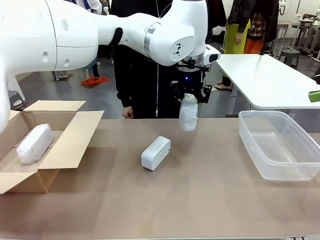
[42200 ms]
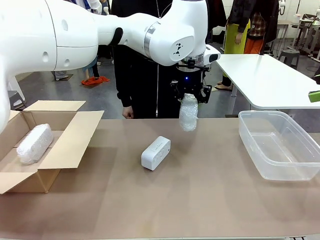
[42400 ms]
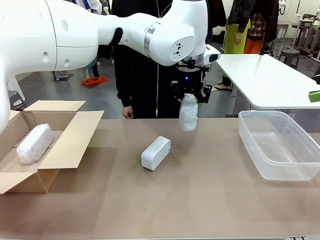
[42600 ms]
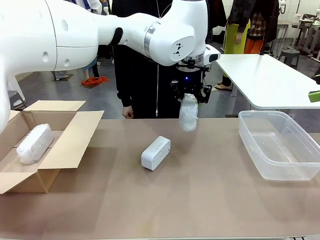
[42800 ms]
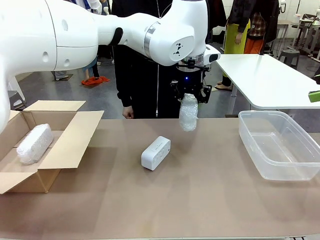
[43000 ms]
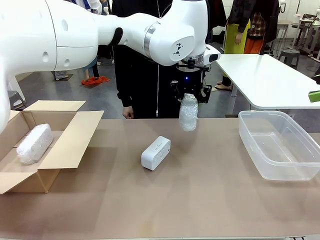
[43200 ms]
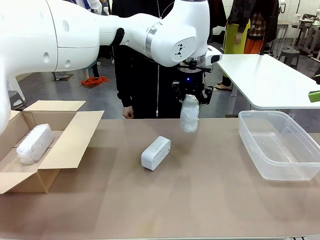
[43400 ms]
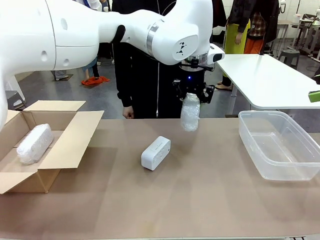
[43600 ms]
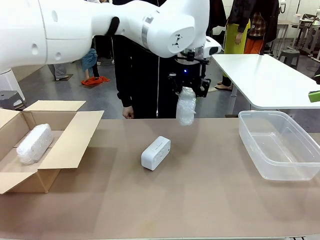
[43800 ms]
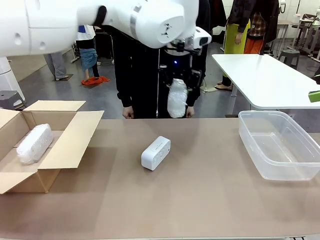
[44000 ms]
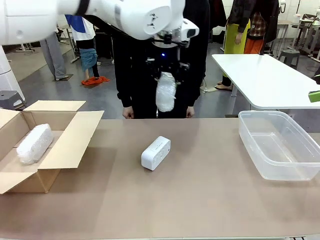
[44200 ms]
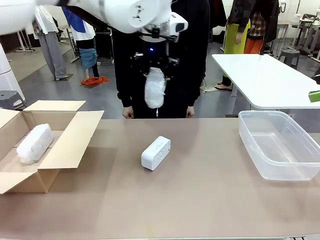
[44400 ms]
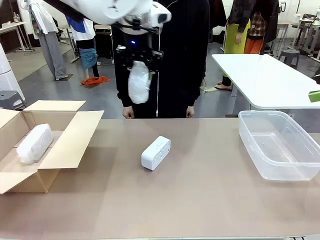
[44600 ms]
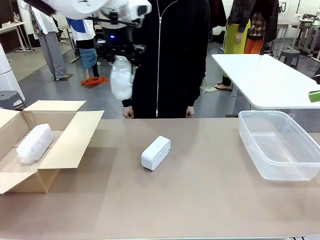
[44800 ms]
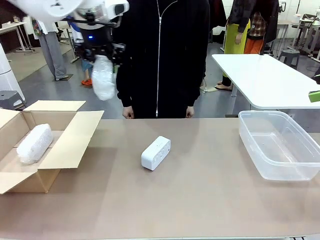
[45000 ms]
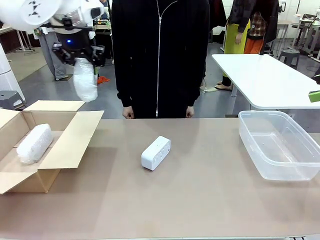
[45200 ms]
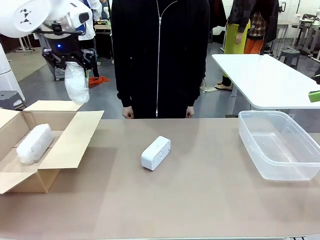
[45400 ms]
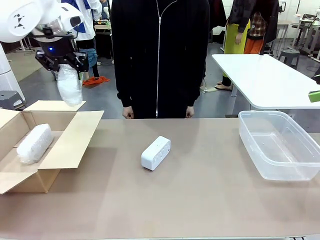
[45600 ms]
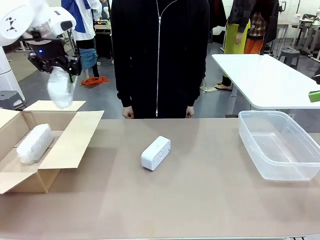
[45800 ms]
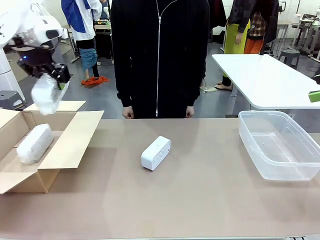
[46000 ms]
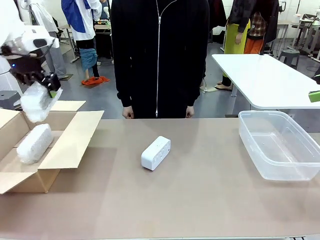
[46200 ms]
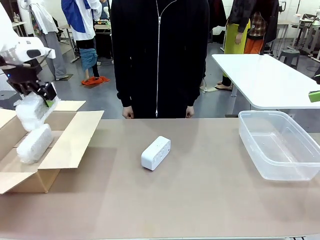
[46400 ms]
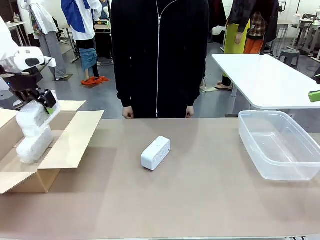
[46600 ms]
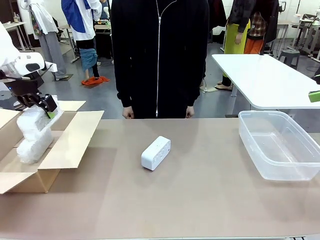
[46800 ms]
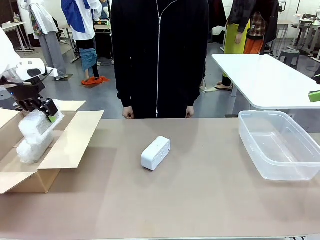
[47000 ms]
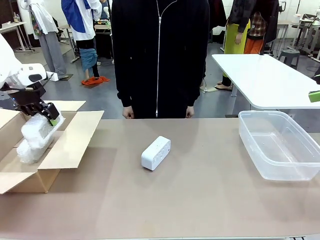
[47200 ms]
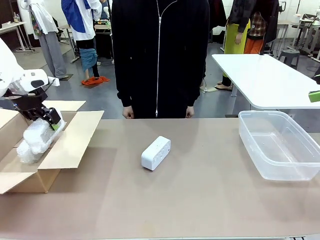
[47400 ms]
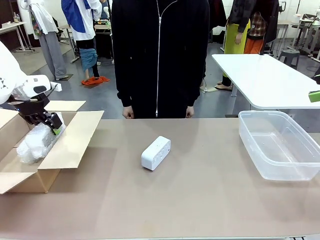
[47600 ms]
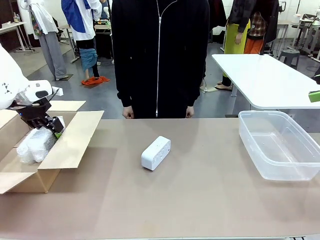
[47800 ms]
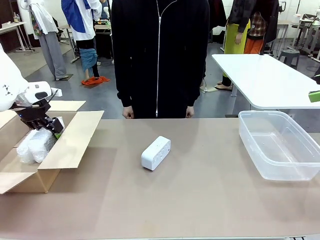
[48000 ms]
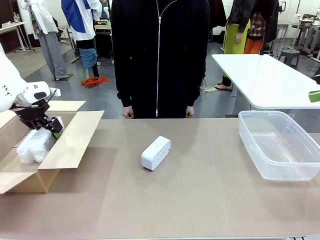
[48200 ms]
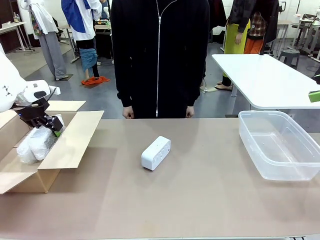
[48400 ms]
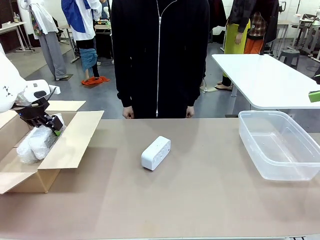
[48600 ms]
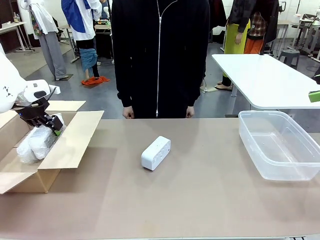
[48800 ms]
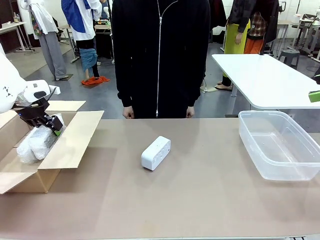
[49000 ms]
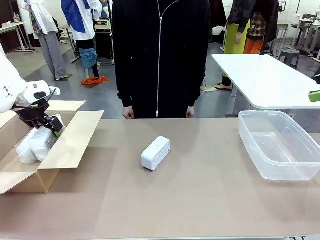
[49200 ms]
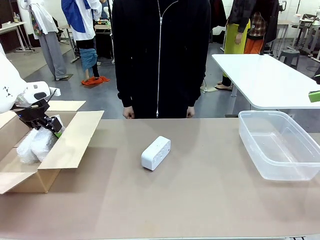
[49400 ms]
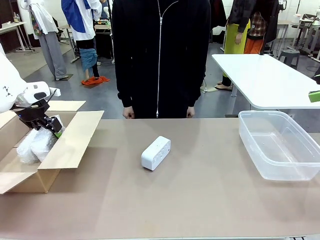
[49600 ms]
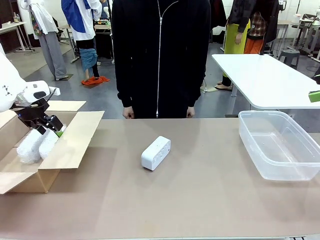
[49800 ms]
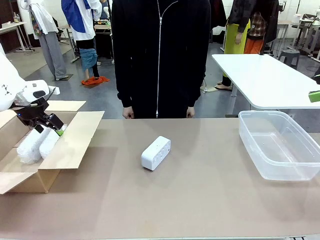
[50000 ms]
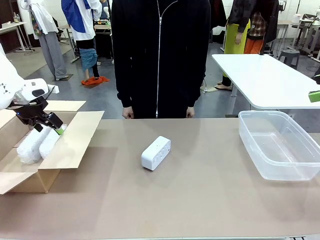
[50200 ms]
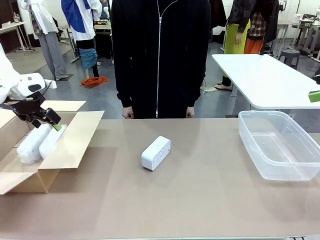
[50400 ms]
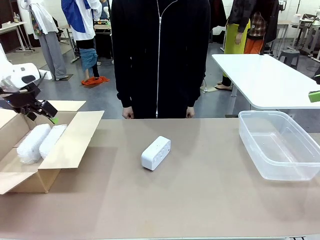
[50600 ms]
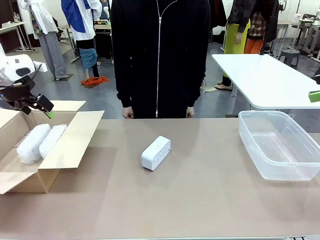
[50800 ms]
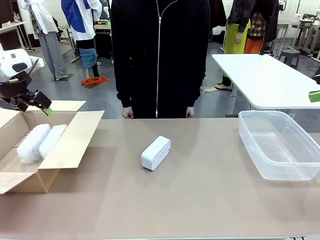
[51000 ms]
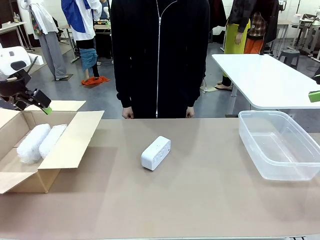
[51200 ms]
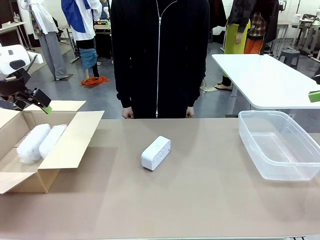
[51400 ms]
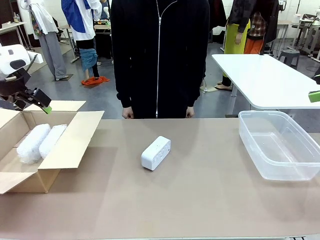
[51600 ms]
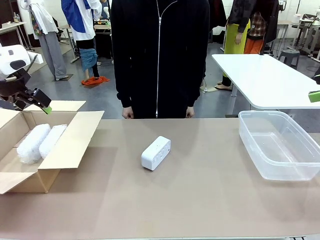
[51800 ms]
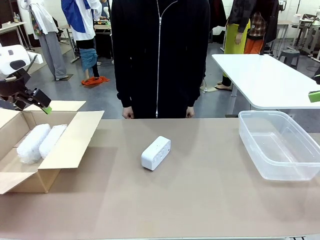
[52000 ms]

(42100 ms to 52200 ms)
Task: Separate and place wrapped and unwrapped clocks.
Robot: If the picked Digital clock is wrapped, place it in the Package Box ; if not, place it in the Organizing box.

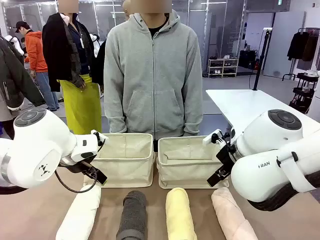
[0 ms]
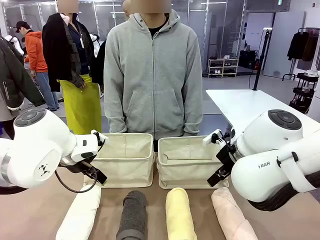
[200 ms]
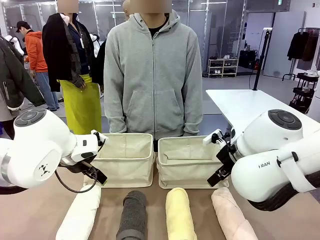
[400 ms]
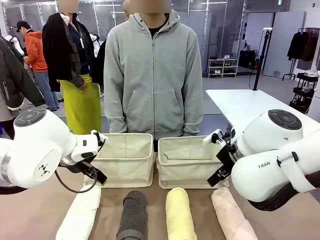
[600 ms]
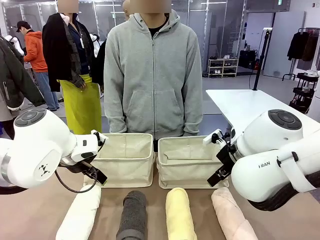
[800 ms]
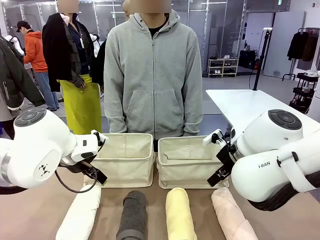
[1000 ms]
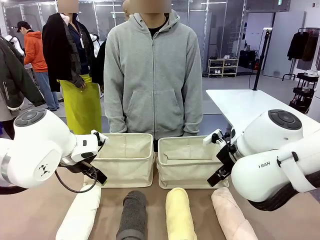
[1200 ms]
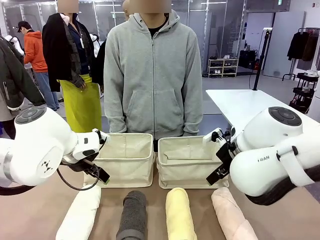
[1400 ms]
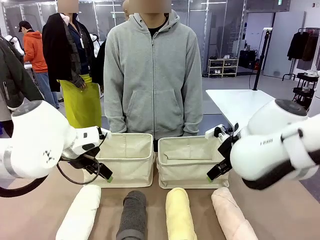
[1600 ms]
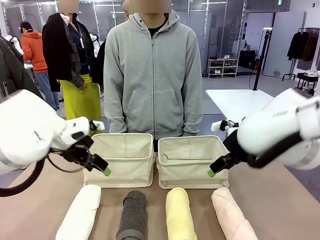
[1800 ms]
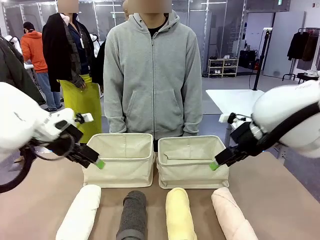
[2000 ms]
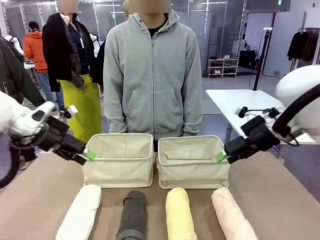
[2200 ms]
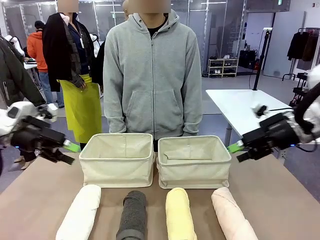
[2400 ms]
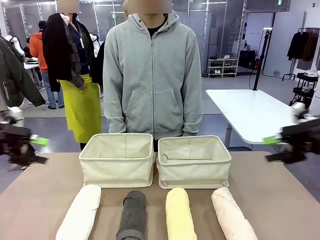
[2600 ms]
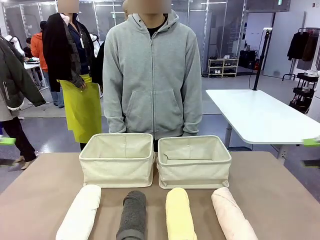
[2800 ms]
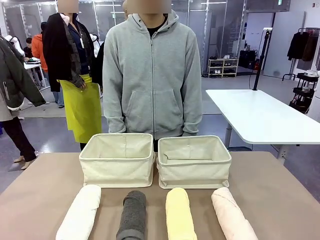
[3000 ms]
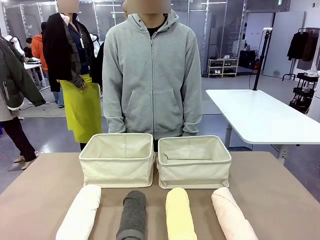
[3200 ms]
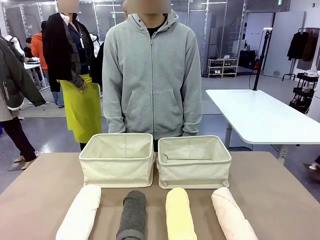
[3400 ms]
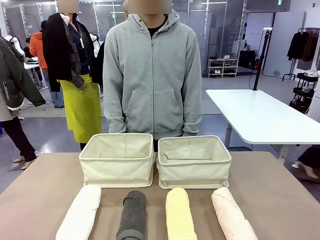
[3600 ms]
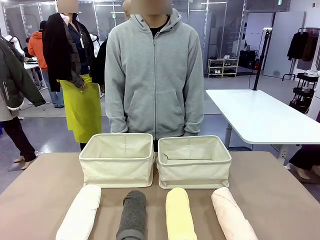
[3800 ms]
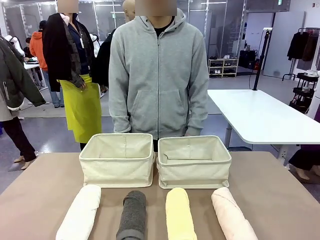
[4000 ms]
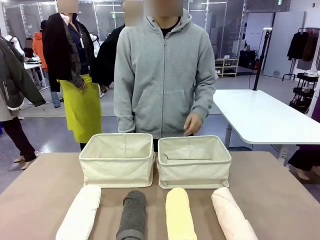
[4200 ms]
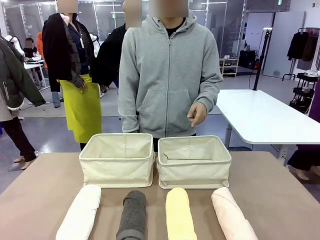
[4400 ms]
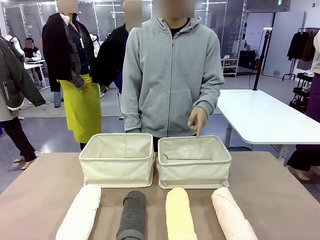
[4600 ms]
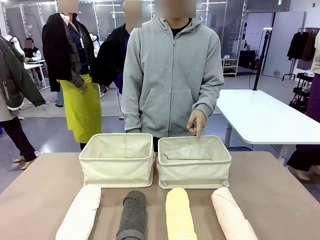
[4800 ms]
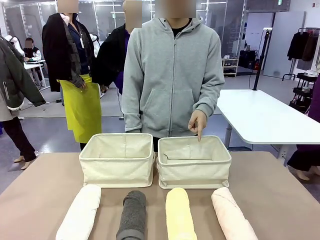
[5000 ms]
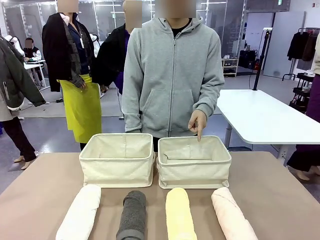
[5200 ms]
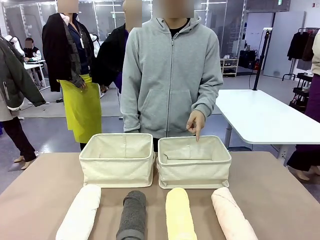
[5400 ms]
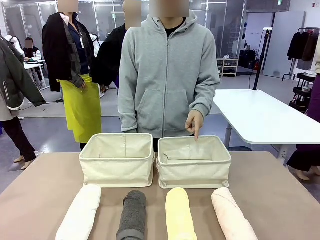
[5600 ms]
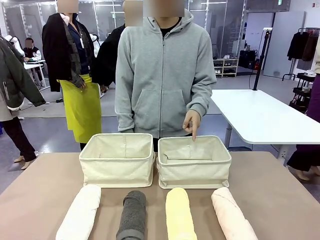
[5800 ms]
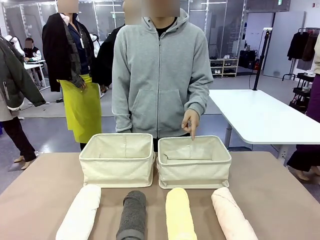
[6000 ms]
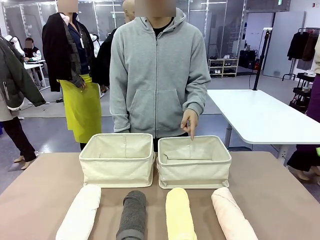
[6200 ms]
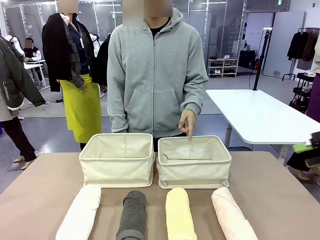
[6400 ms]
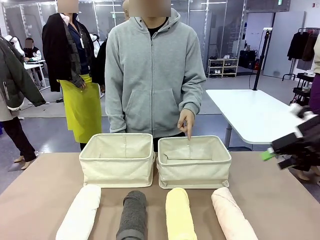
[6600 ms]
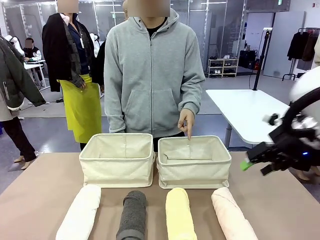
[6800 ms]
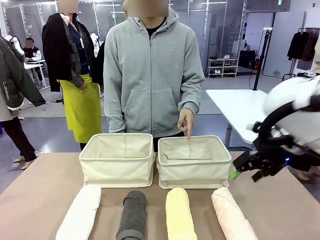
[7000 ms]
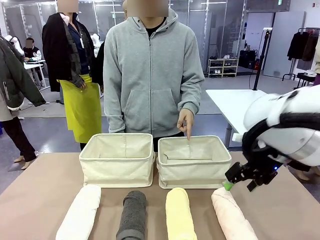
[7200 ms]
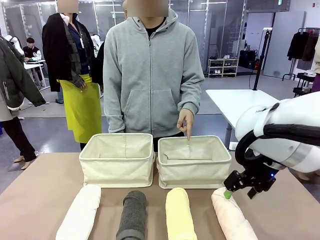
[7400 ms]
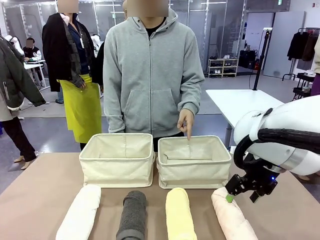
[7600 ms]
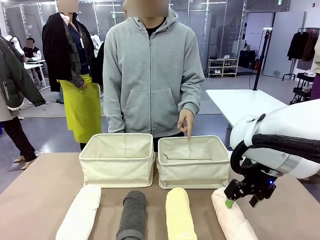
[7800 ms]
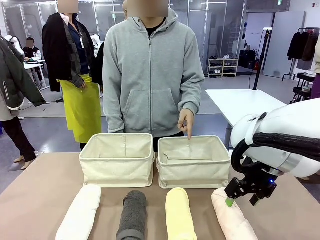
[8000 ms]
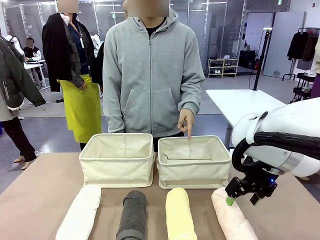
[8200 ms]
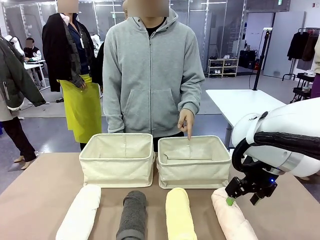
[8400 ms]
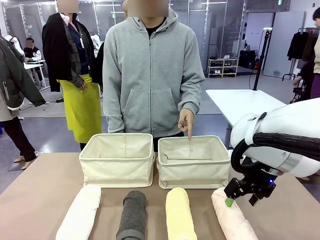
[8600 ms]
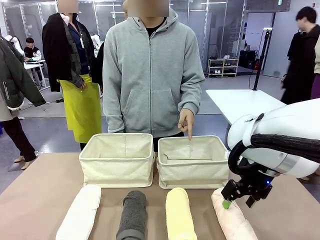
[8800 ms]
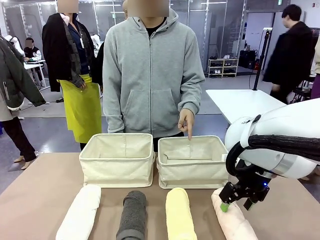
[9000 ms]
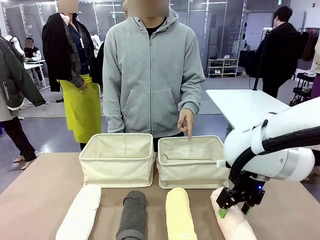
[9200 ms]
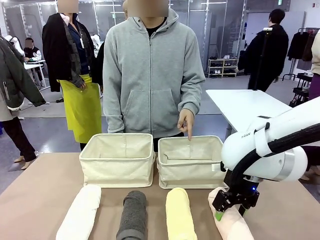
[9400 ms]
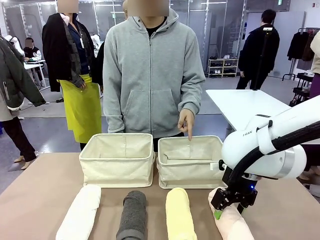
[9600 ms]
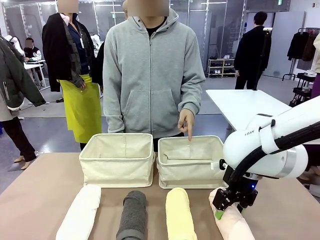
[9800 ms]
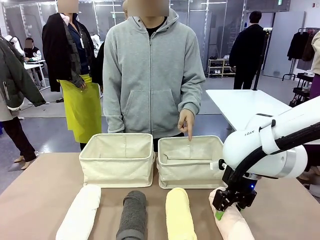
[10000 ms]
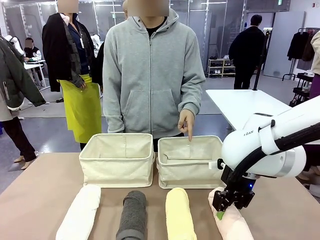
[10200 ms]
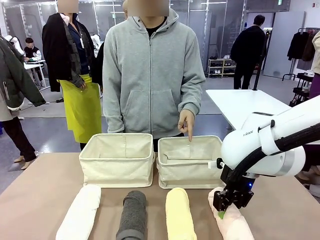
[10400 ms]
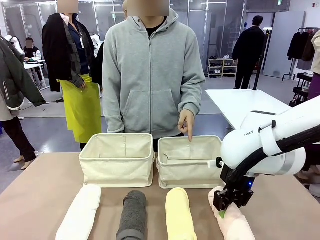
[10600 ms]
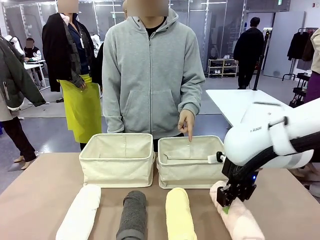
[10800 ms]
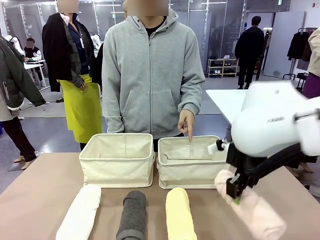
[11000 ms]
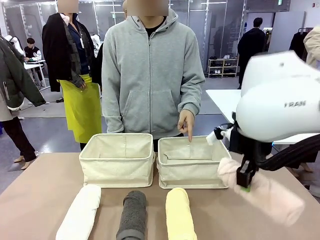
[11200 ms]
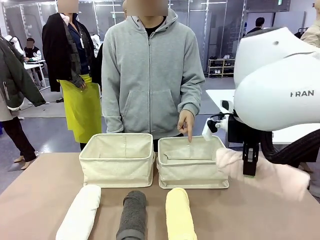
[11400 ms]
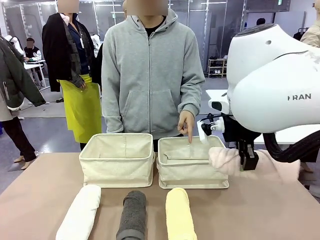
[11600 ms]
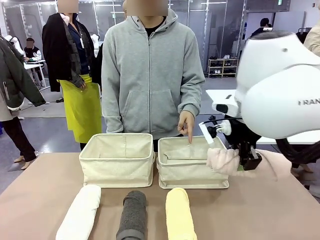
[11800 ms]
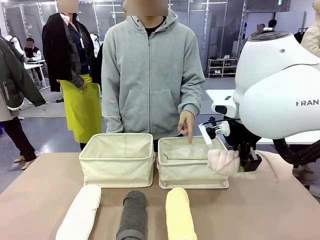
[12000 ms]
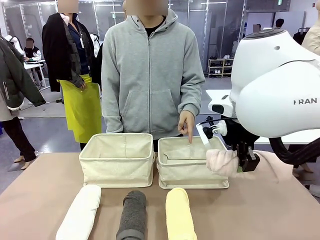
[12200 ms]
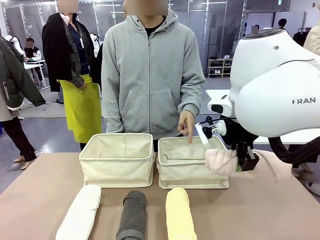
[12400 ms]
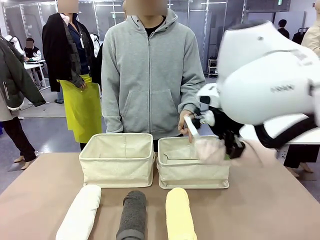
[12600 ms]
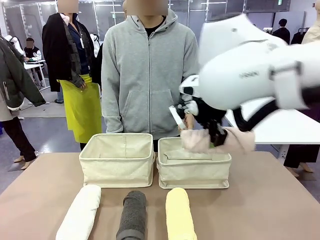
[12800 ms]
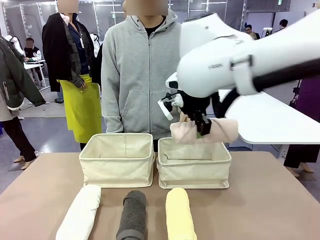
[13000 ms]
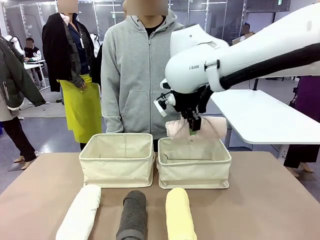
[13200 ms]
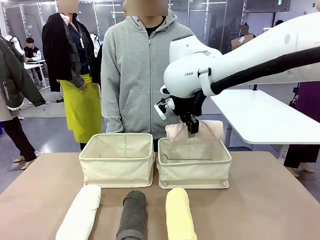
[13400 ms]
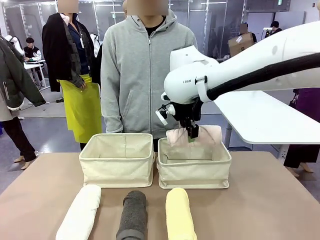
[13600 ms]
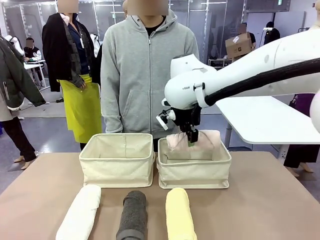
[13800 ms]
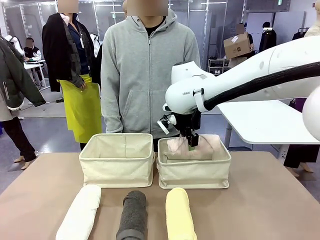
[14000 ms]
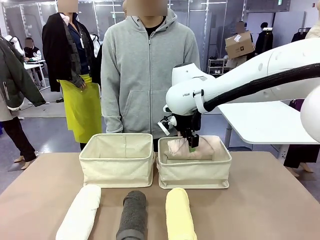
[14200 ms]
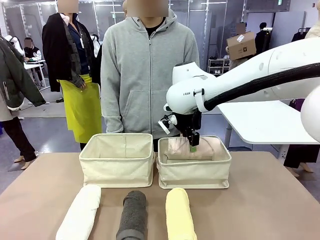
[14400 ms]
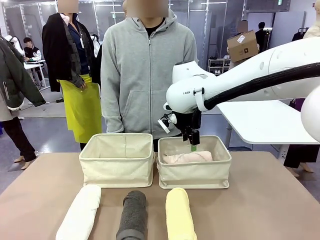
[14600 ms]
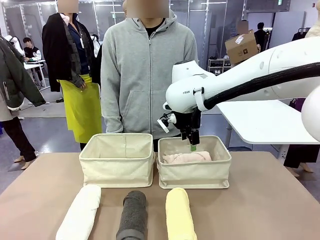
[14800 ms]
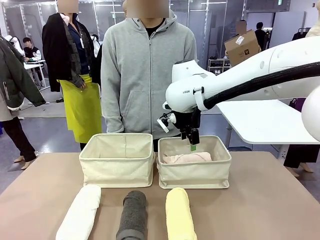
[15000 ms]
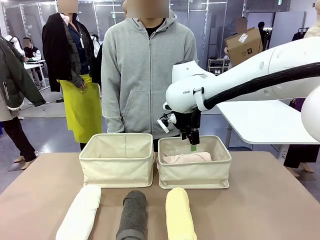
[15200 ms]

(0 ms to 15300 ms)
Task: Divide the towels into two baskets.
Robot: Pick up one hotel-folded towel and place it in the Fabric basket indicated by the person.
